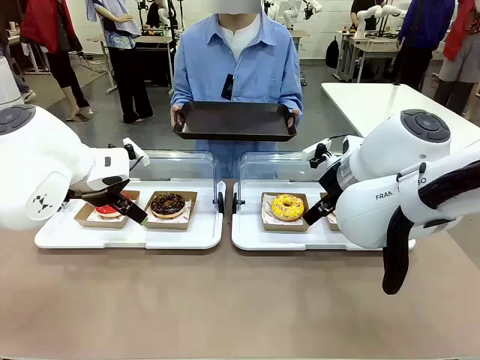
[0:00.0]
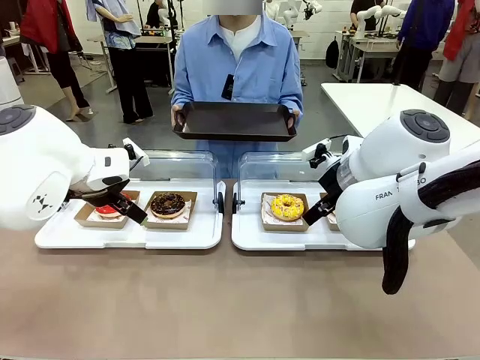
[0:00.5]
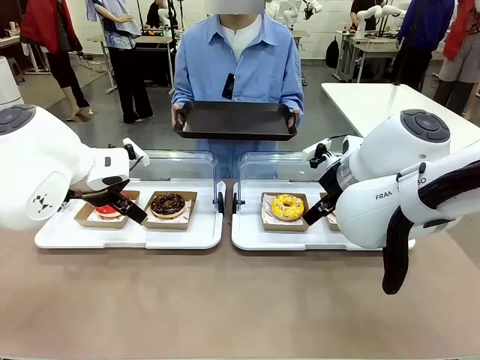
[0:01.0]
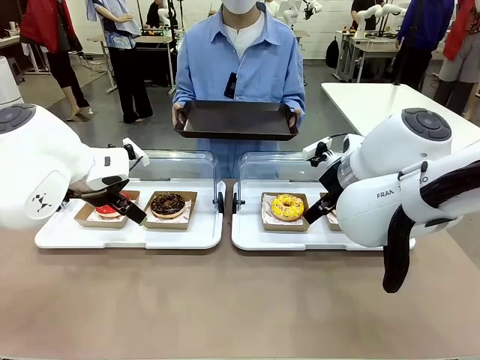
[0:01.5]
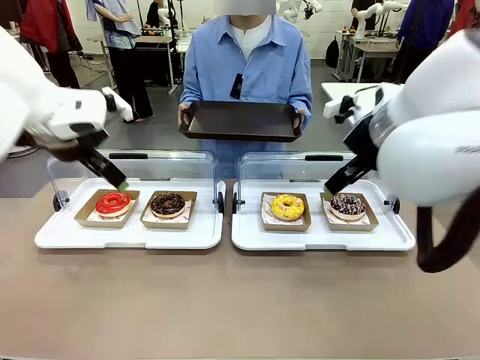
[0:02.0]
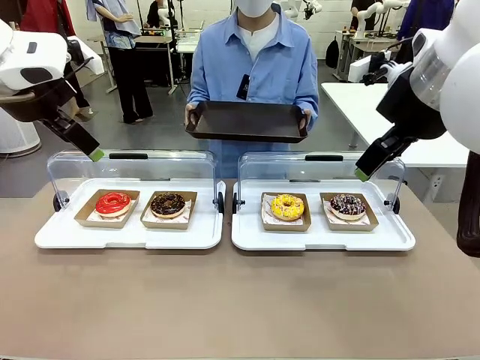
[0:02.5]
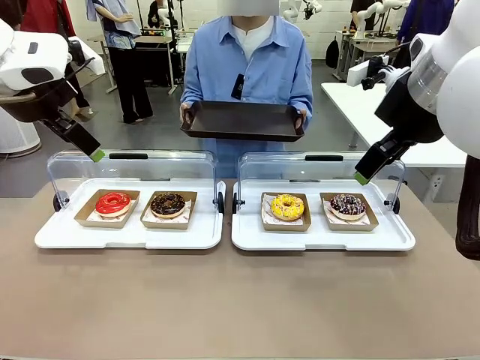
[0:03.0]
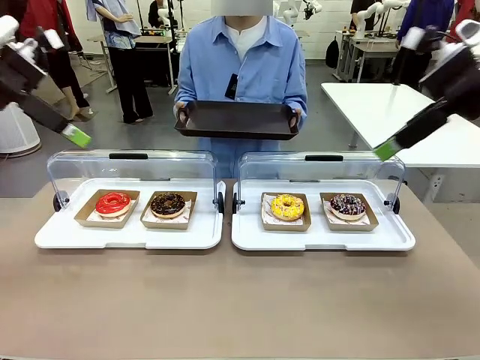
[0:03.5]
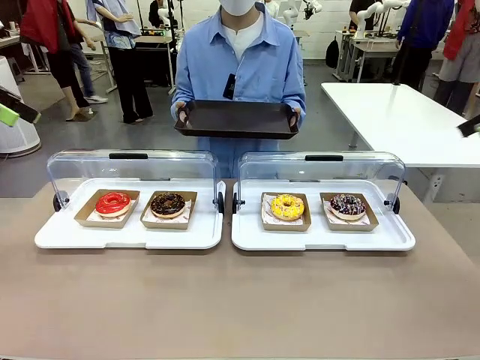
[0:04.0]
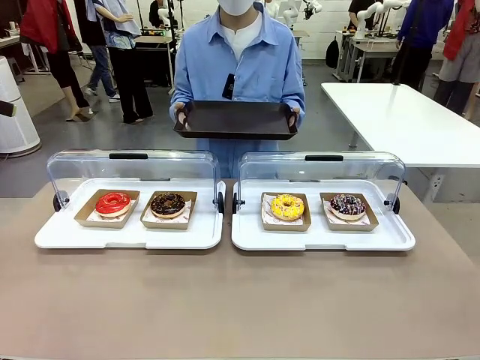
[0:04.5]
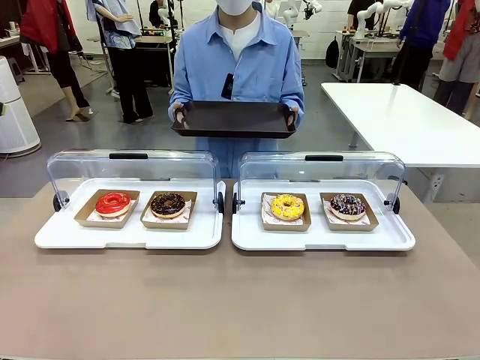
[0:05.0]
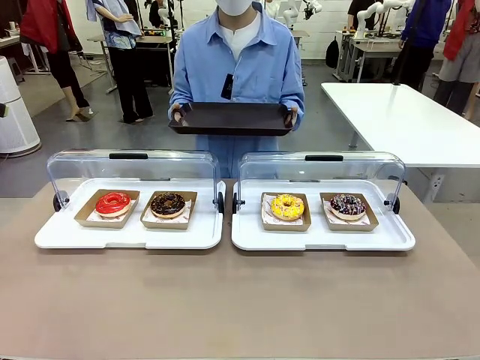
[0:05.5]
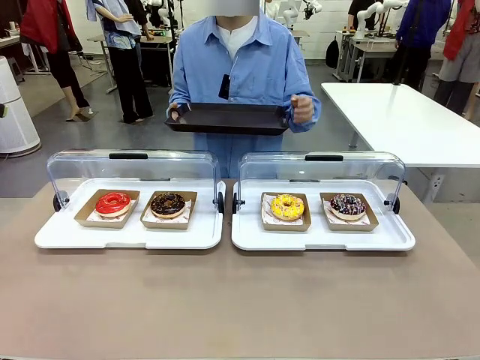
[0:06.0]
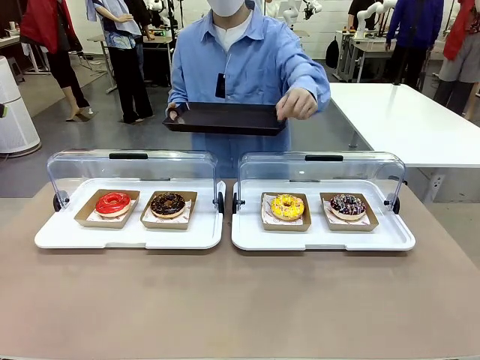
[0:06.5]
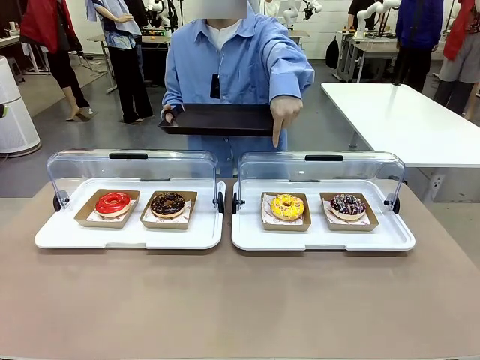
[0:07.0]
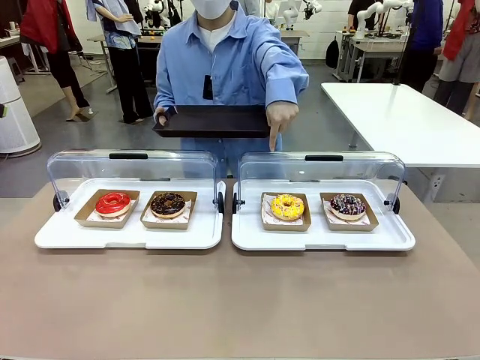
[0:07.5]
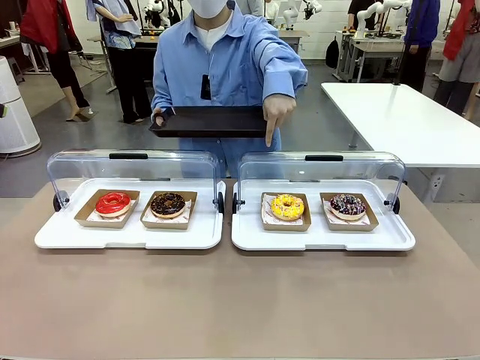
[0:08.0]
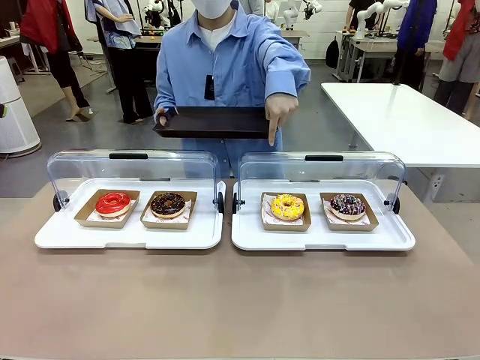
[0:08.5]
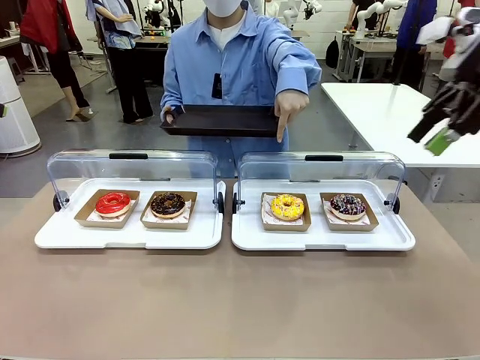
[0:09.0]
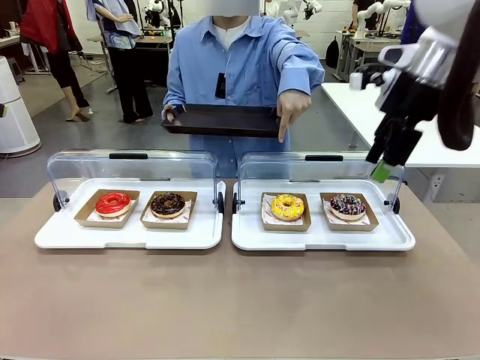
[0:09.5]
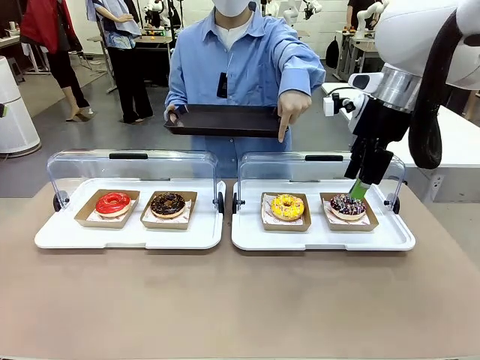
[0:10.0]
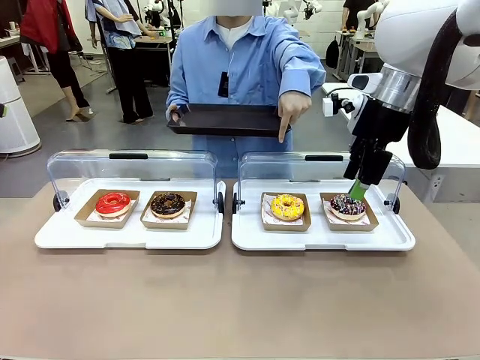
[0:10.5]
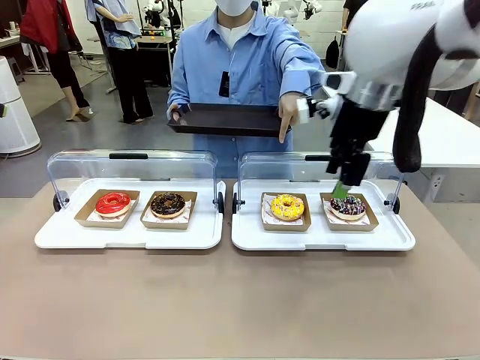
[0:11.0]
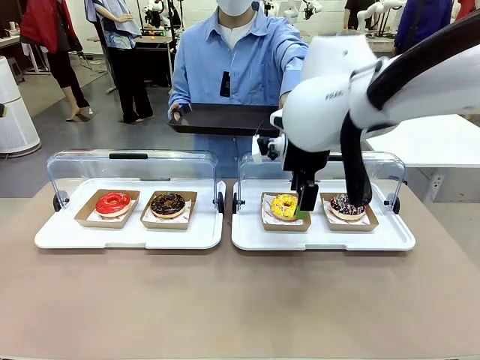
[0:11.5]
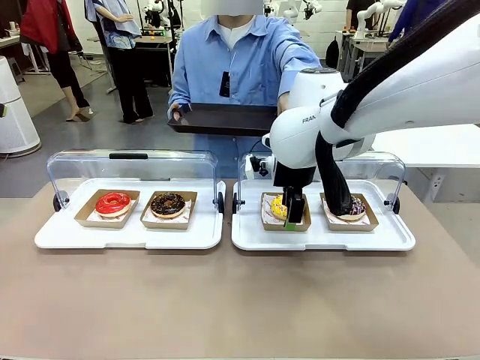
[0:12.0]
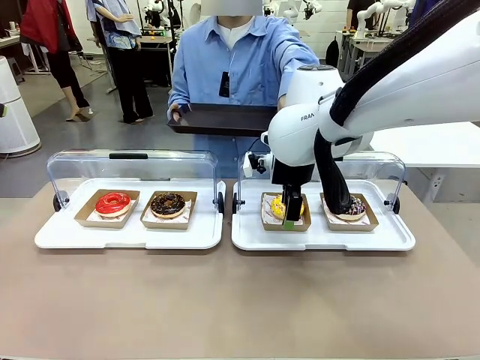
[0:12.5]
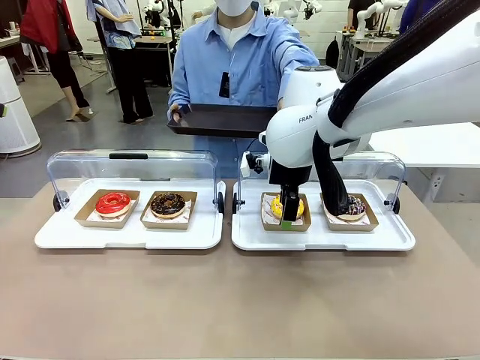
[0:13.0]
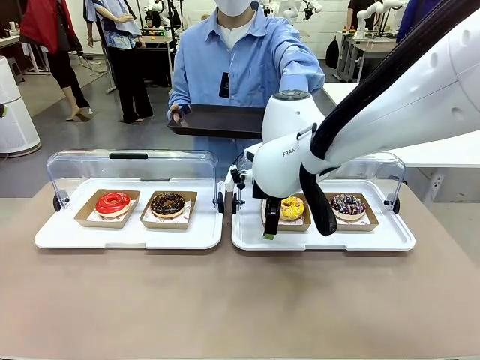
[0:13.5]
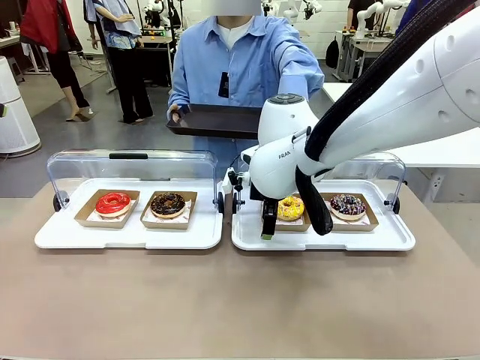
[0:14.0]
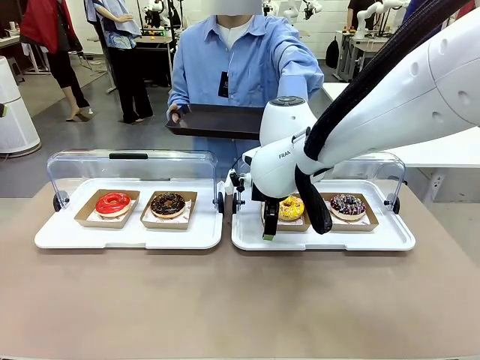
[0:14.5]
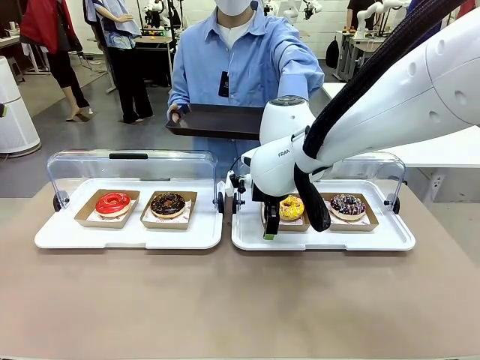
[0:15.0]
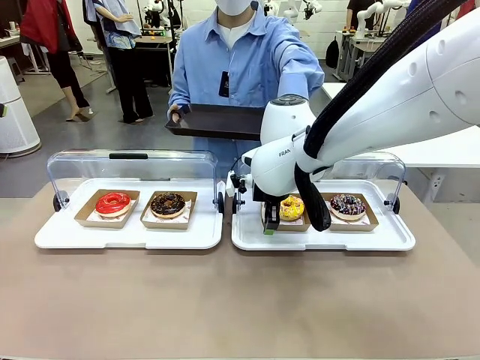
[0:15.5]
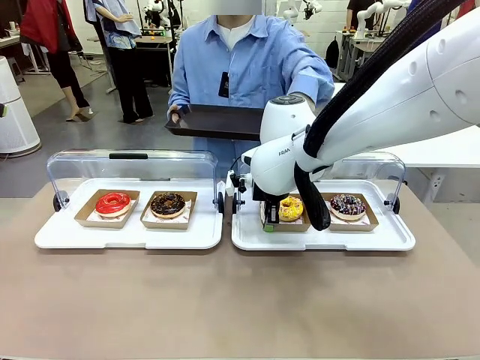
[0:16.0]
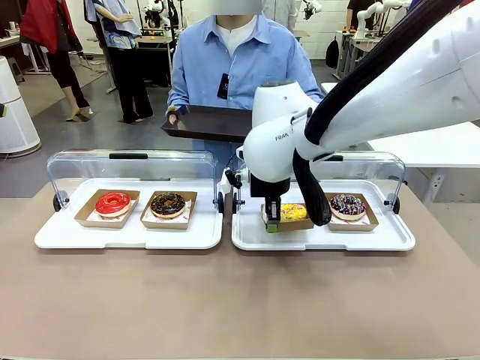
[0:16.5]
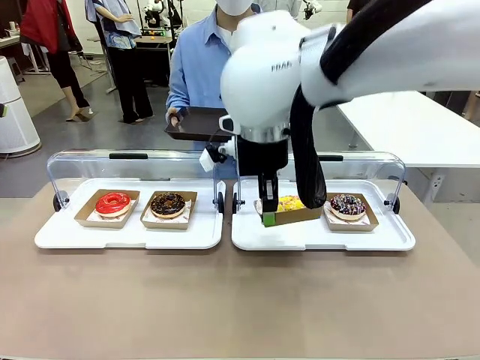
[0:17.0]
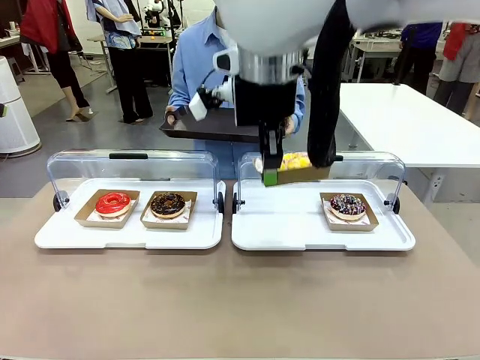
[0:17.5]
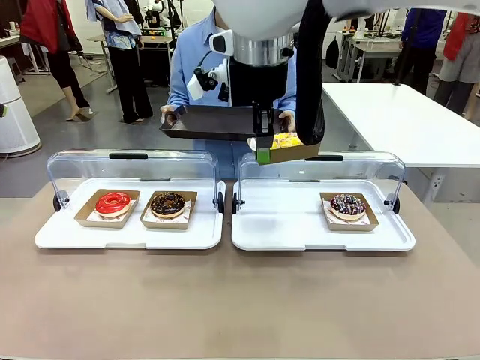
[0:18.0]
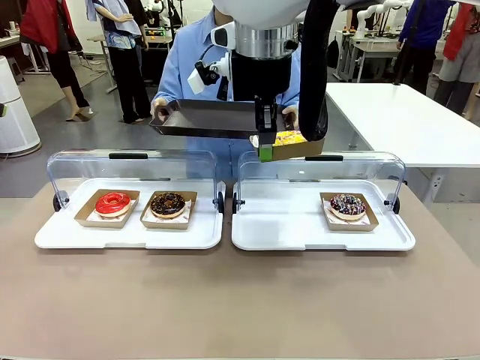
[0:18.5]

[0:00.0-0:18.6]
Task: Provide the desired donut to the person.
Robot: Pick up and lift the Paper togo box containing the Donut pointed at by the person.
Person: Point to one donut. Lift the tray onto the Roll-Top Bakery Case.

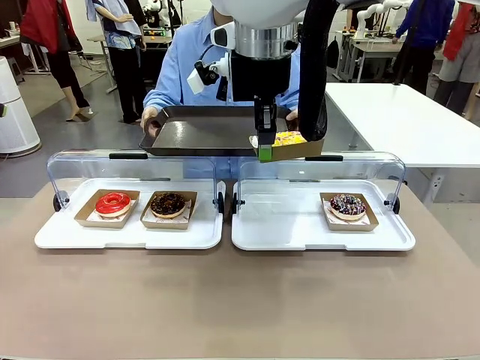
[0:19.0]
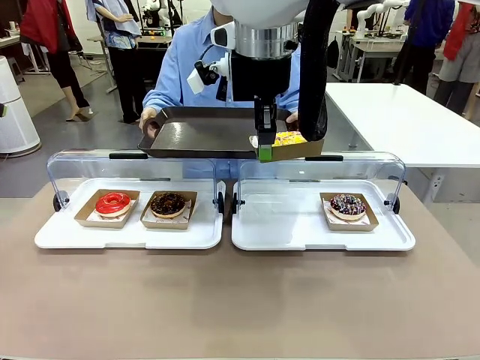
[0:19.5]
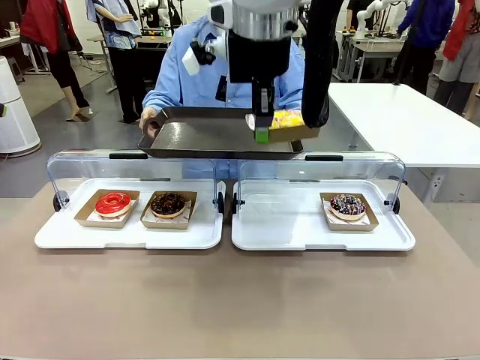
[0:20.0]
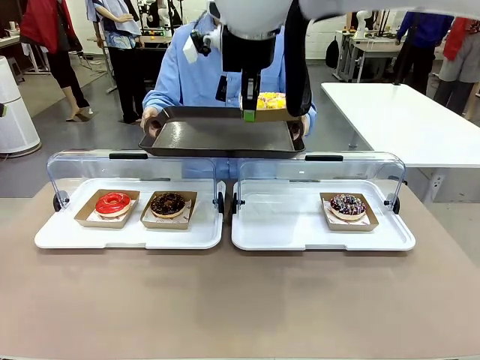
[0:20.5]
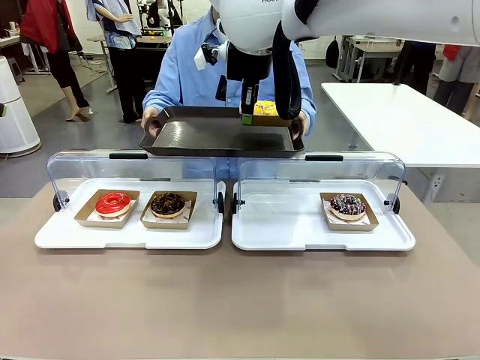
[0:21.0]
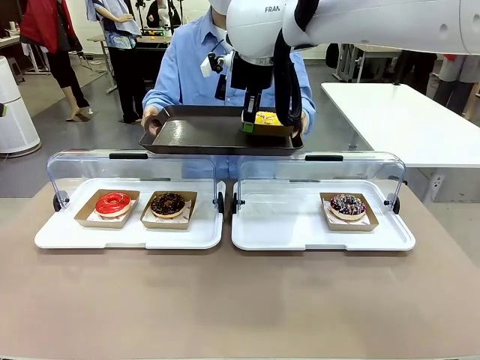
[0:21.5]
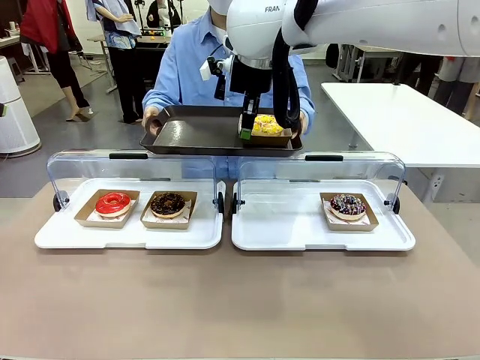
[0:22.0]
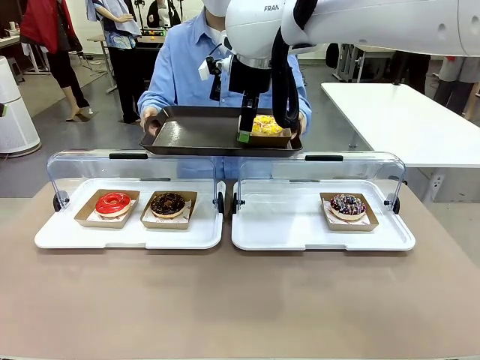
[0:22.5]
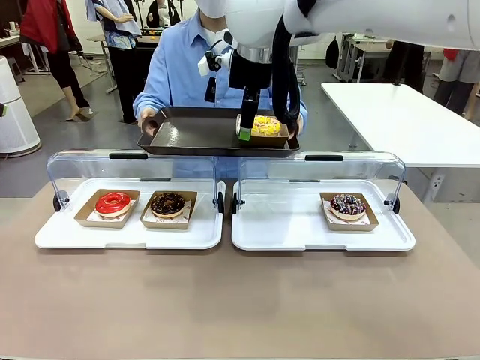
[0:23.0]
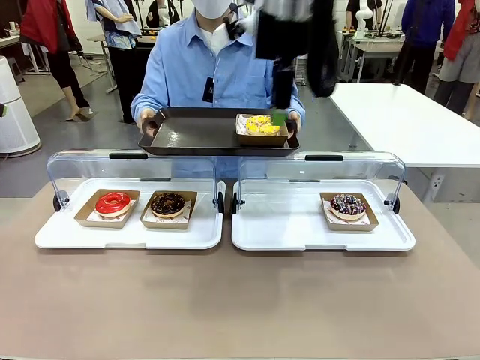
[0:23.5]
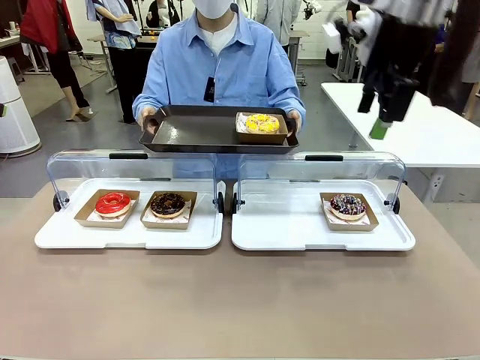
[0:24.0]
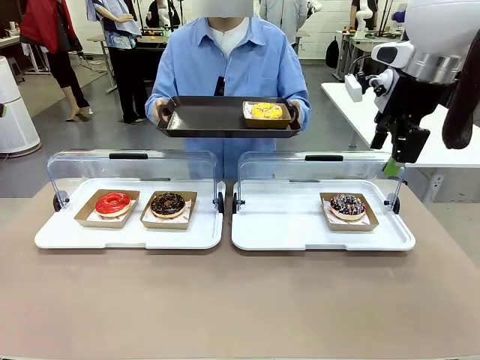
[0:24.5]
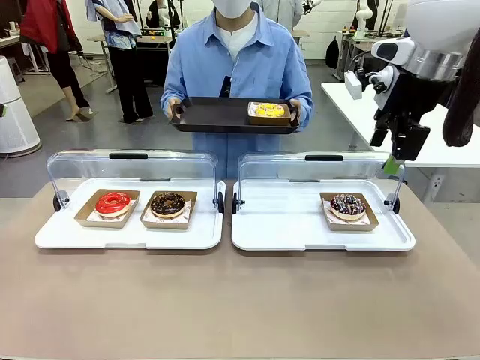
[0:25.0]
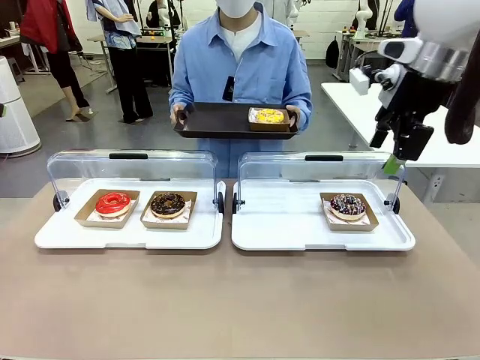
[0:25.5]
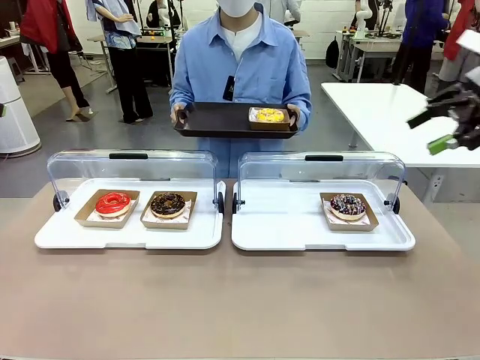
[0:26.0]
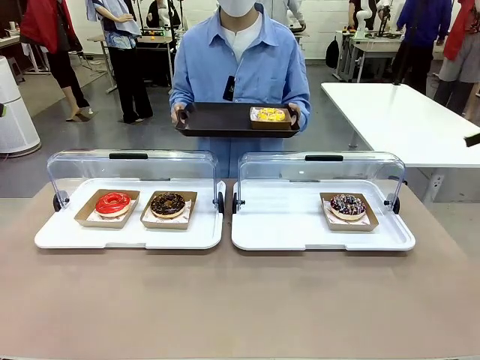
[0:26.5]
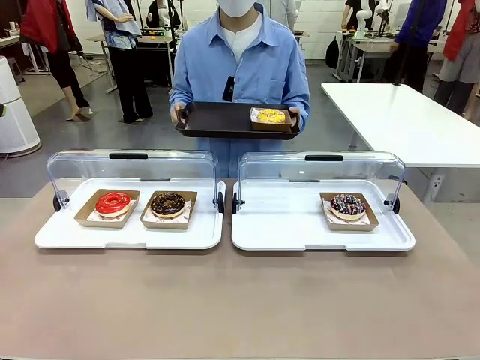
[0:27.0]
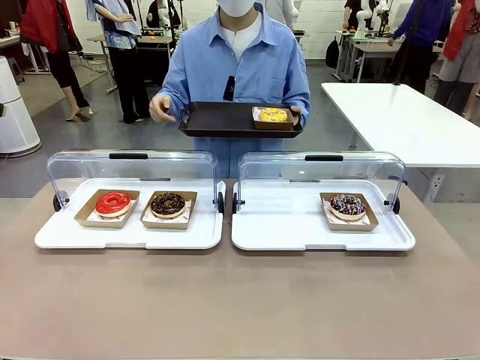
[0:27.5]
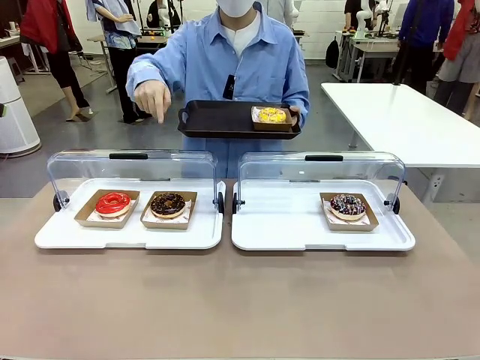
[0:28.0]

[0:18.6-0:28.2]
Robot: Place the picked Paper togo box onto the Handle tray extended by the person.
Person: Point to one donut.
